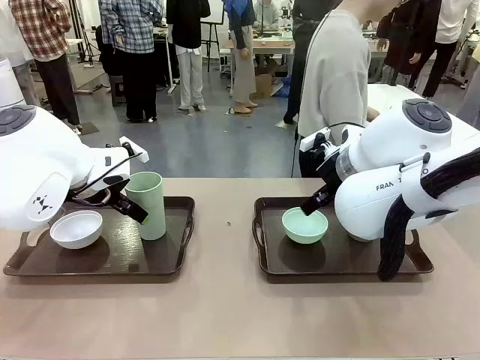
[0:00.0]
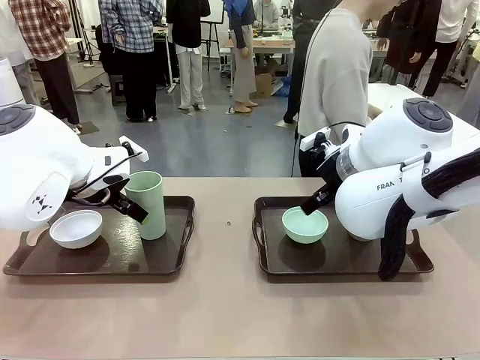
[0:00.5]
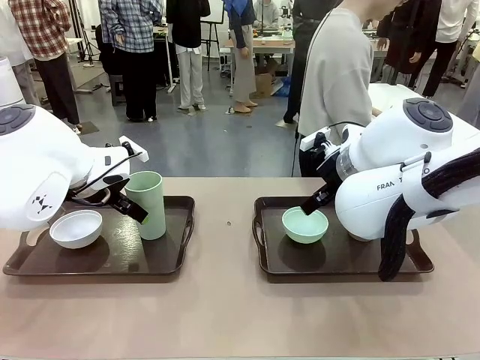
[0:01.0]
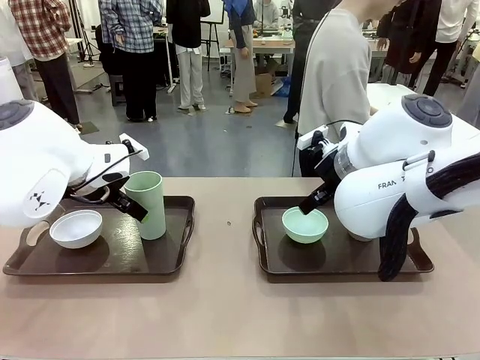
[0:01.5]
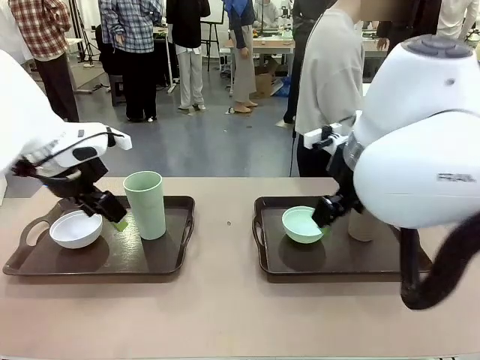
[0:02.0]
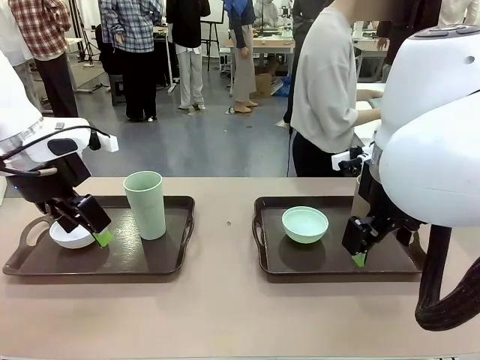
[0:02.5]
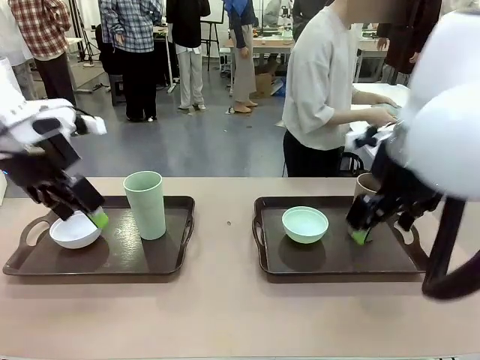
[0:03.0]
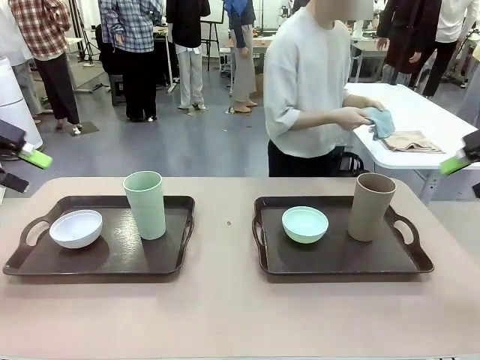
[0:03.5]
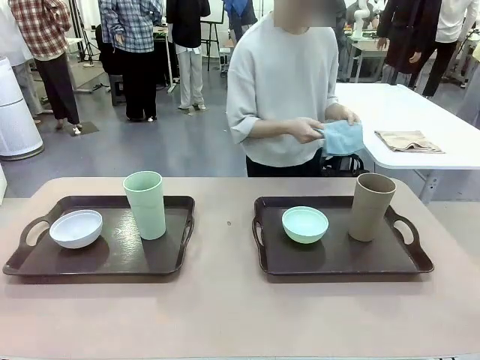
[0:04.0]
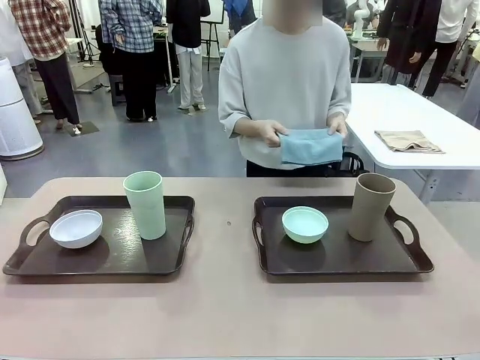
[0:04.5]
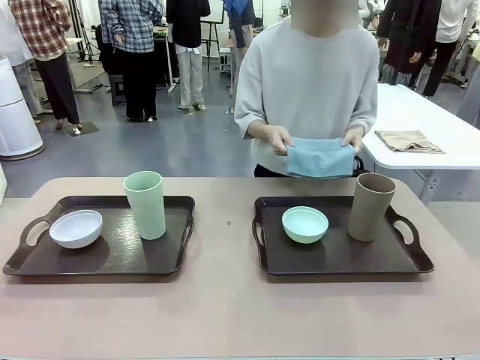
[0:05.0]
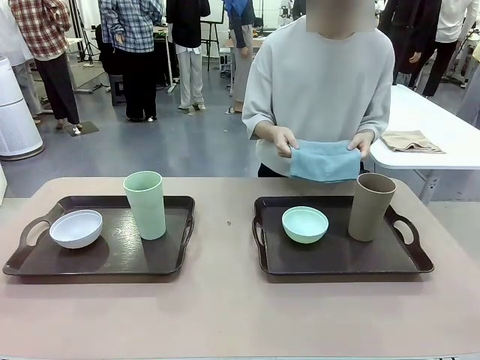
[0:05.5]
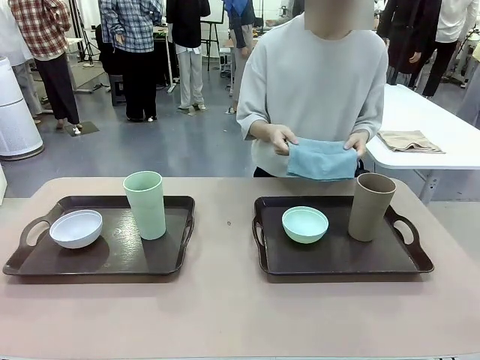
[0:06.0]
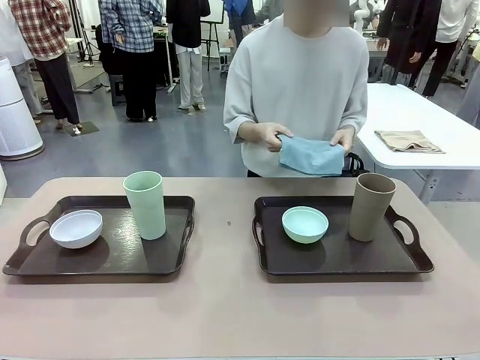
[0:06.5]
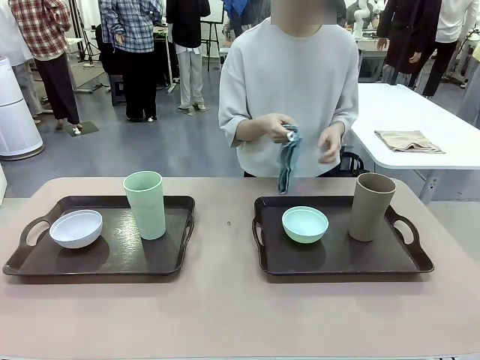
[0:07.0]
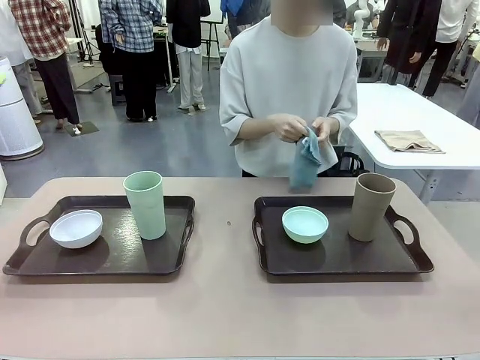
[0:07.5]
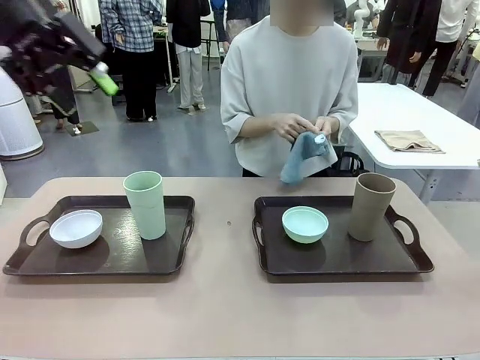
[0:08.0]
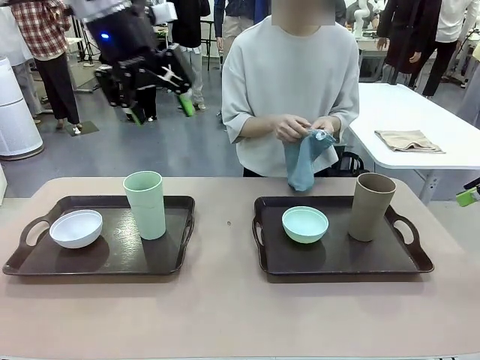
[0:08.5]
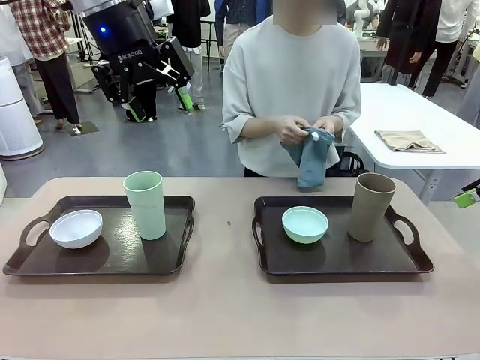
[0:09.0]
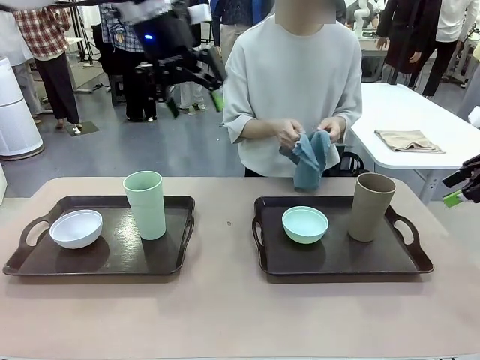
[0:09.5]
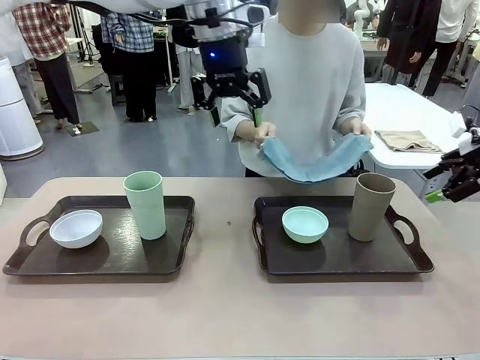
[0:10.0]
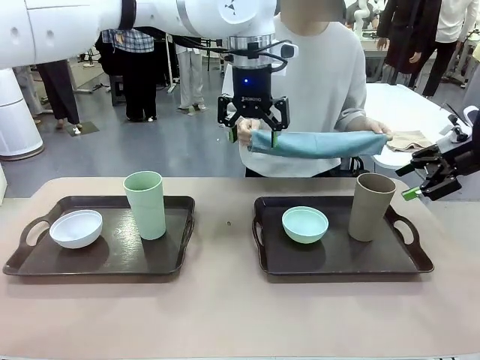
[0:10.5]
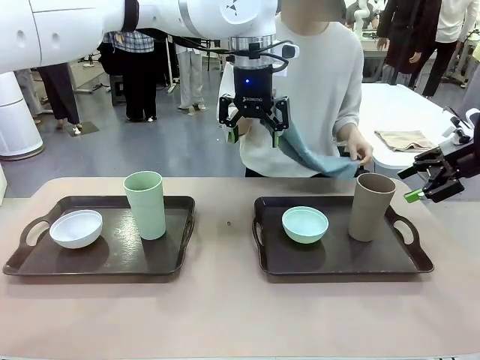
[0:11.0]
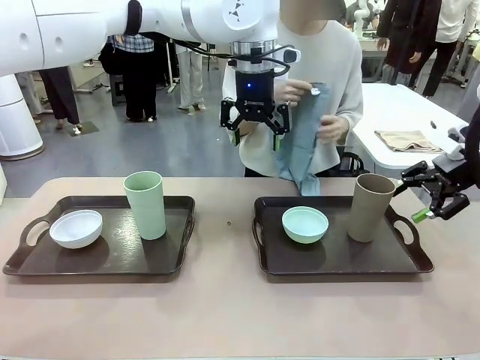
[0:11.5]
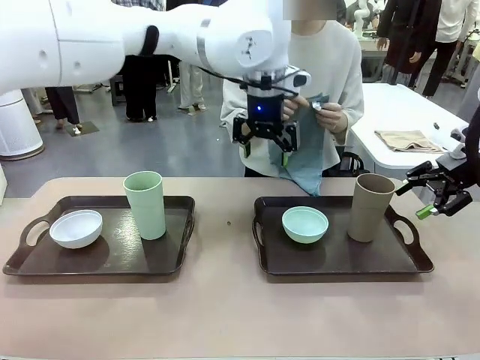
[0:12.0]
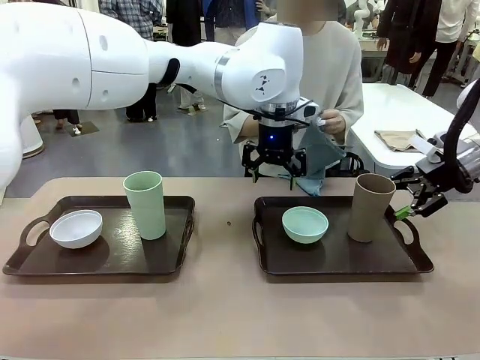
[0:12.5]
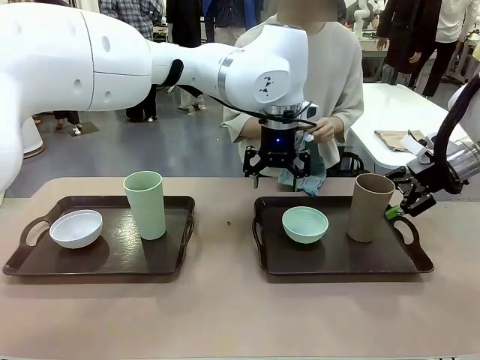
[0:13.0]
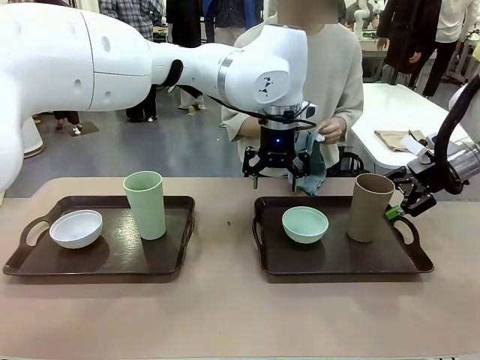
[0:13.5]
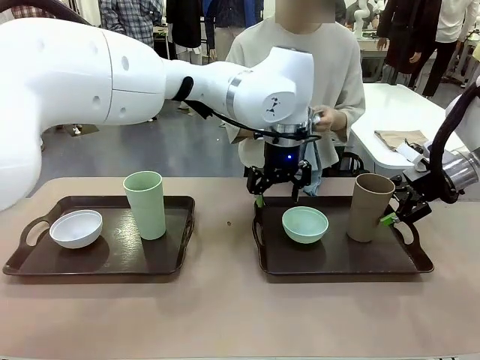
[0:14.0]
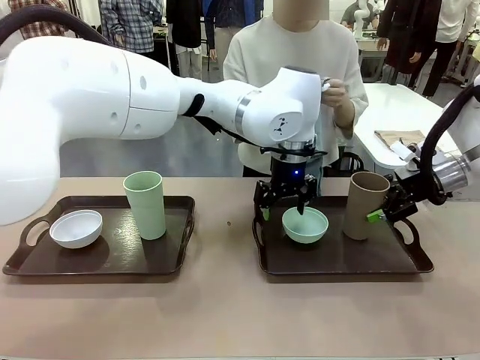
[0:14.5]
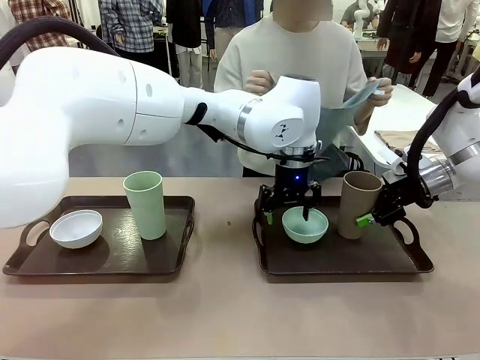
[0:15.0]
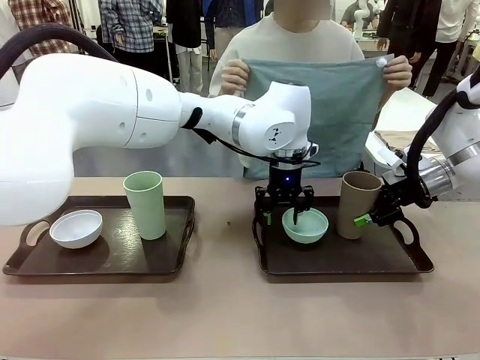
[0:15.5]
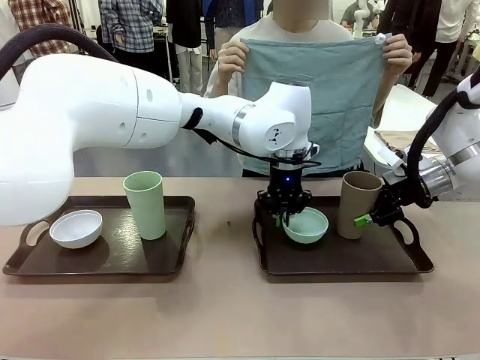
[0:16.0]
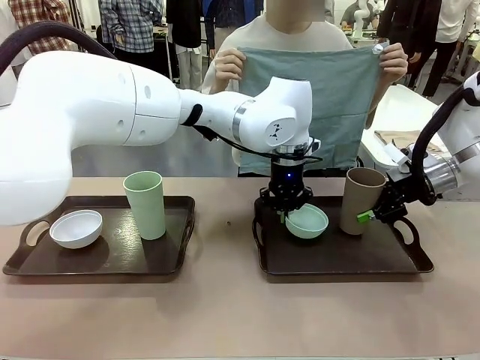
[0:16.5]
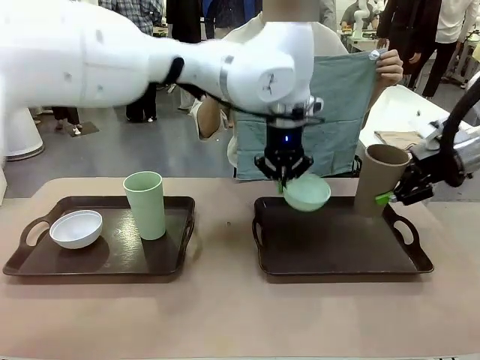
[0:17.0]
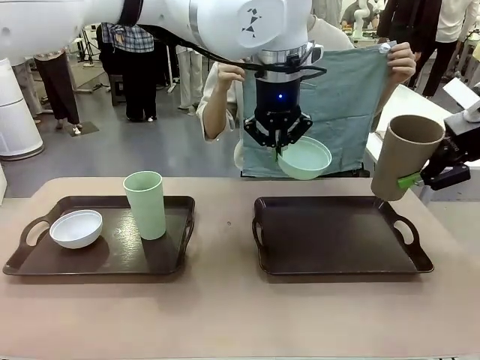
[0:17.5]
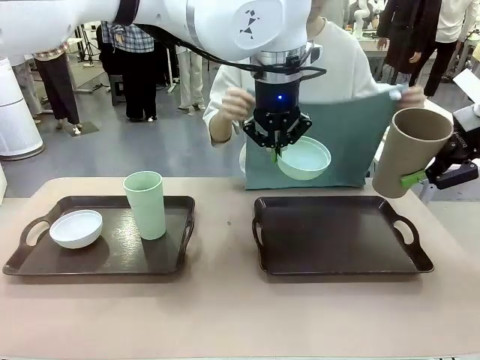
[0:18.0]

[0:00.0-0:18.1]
Robot: Pick up the Picnic Bowl and Reusable plastic cup from the Handle tray in front of the human's position and hold them in the air.
Person: The human picks up the top napkin from the stack on the human table and walks to the robot table to stand in front of one of the two trays. When the robot lifts the bowl and the cup, the human unfolds the napkin and lays the napkin flat on the tray.

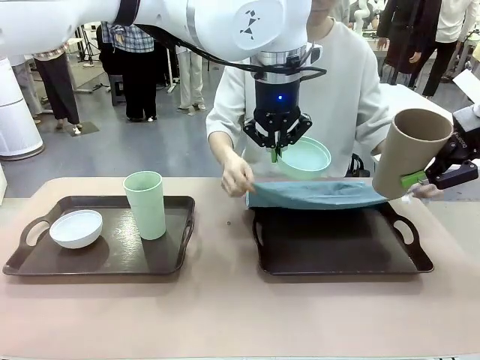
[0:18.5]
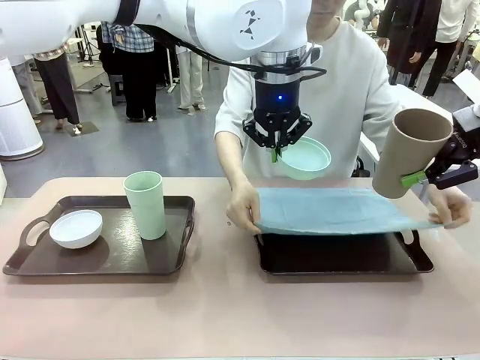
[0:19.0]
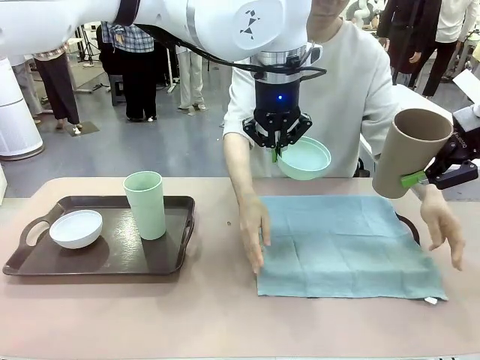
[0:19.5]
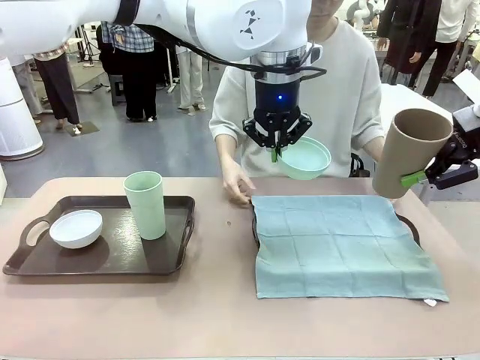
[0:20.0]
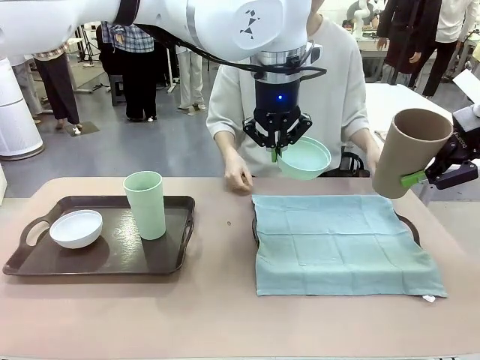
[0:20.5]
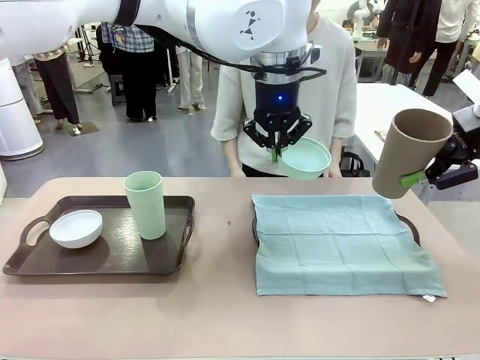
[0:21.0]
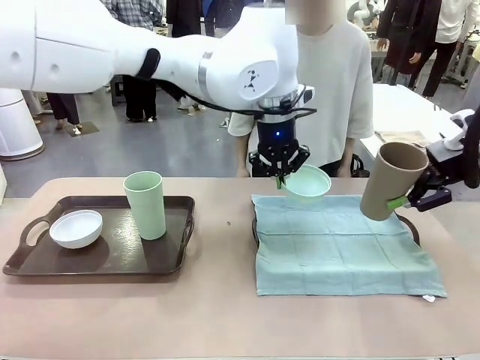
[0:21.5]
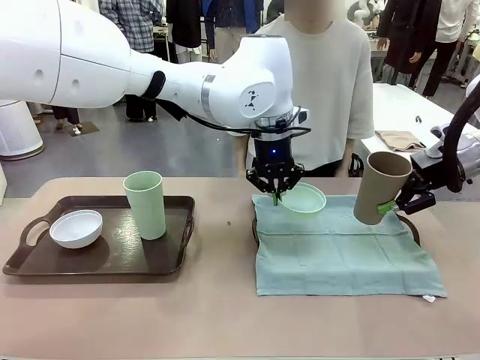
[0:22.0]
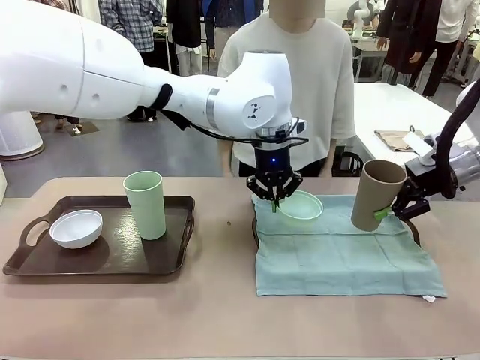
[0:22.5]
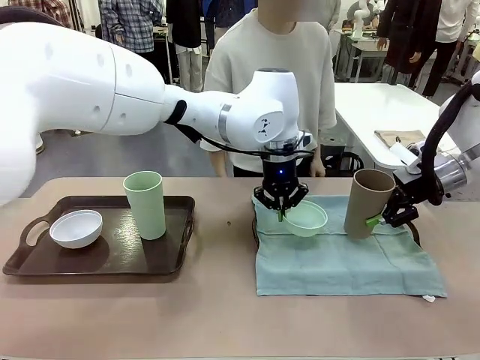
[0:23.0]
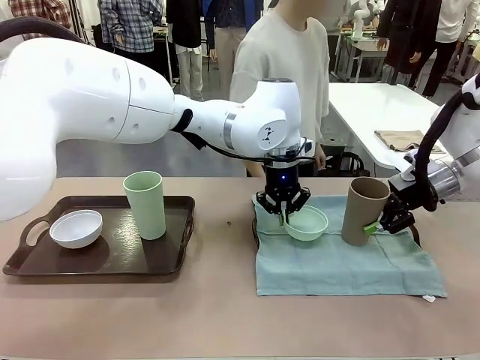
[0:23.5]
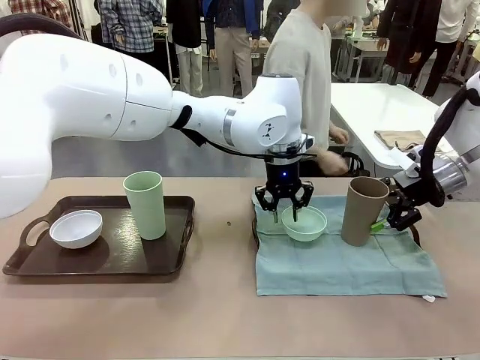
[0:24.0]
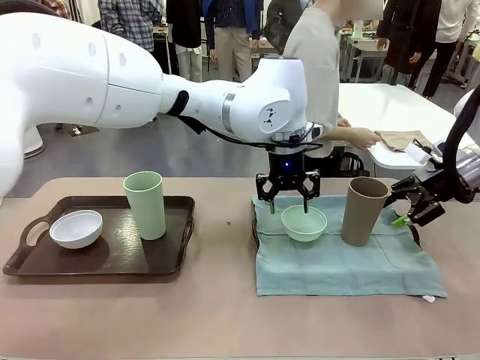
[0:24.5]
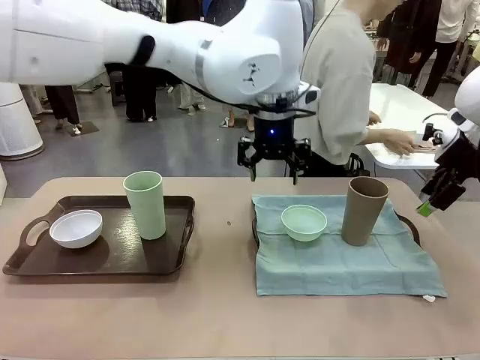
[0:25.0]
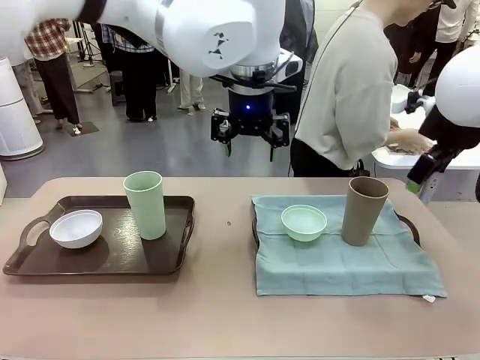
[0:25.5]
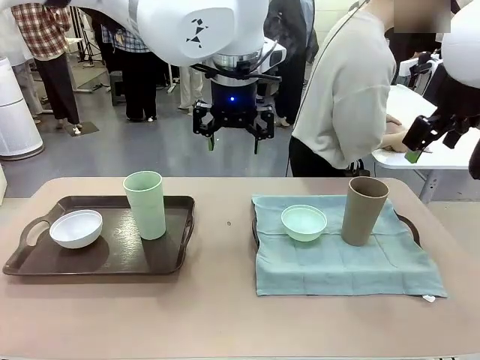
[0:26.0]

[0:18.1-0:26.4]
Robot: Place the Picnic Bowl and Reusable plastic cup back onto the Handle tray in front of the human's position.
Person: The human returns to the human table to pick up another napkin and walks to the robot table to stand in front of the tray without a napkin.
